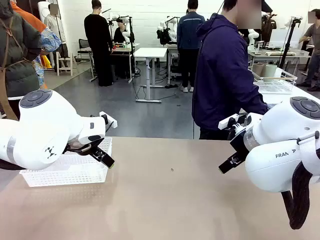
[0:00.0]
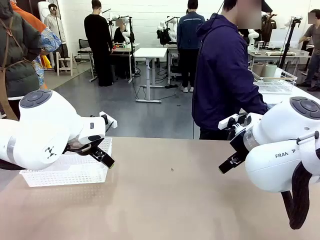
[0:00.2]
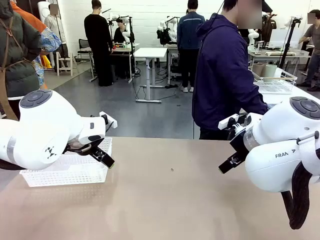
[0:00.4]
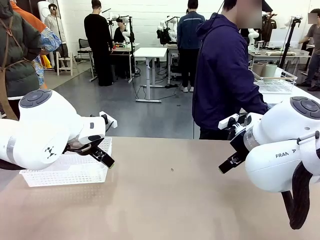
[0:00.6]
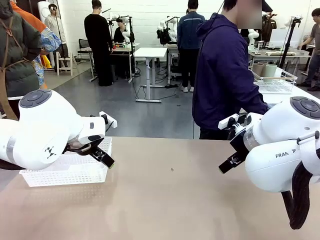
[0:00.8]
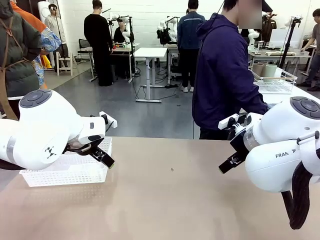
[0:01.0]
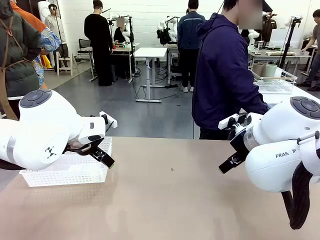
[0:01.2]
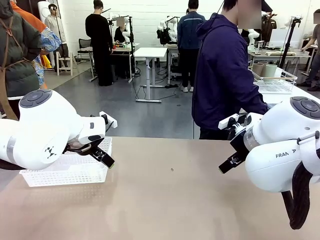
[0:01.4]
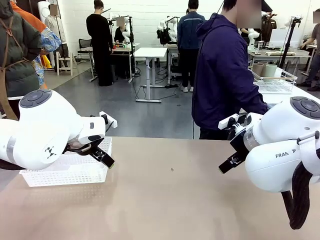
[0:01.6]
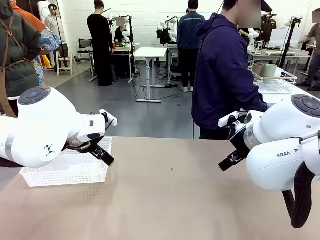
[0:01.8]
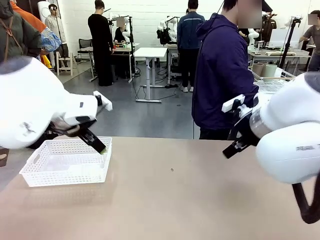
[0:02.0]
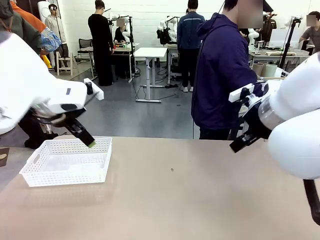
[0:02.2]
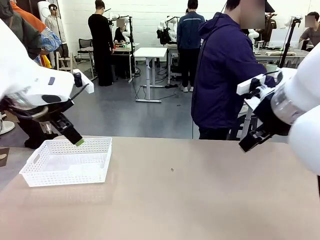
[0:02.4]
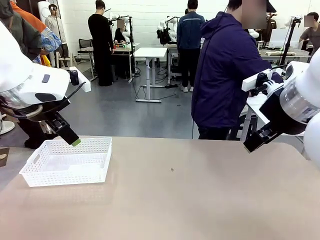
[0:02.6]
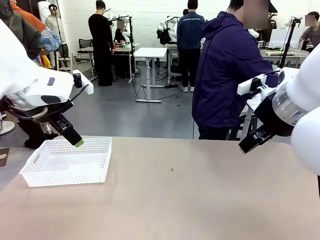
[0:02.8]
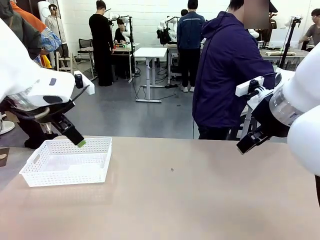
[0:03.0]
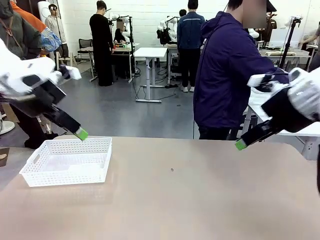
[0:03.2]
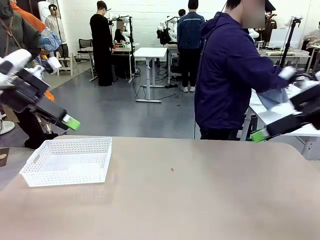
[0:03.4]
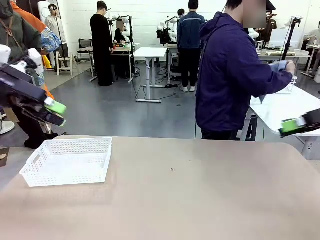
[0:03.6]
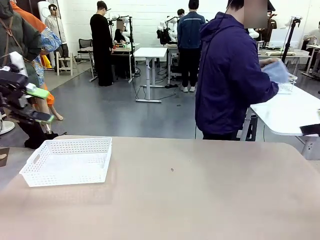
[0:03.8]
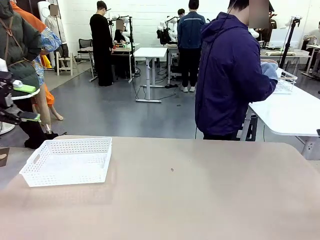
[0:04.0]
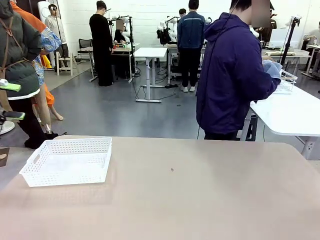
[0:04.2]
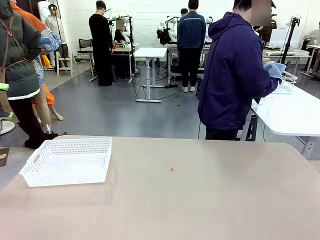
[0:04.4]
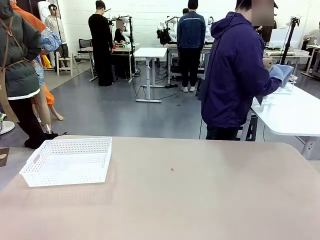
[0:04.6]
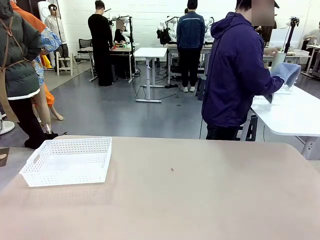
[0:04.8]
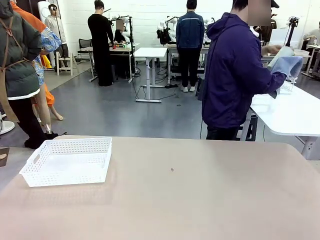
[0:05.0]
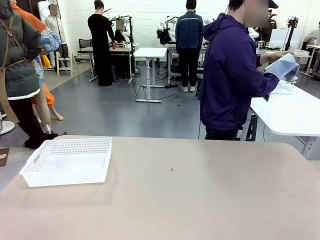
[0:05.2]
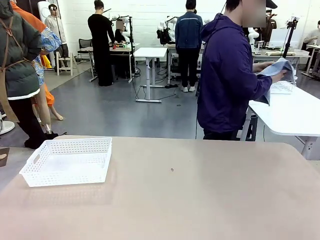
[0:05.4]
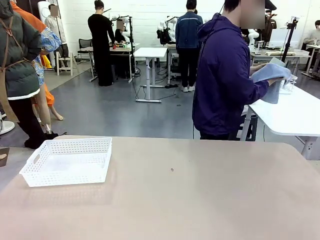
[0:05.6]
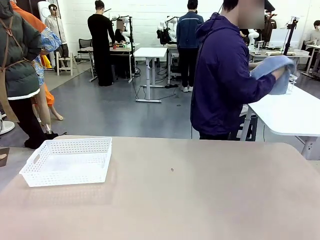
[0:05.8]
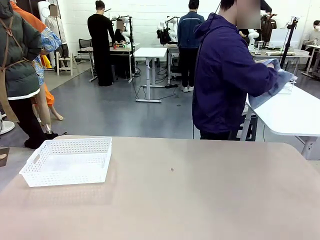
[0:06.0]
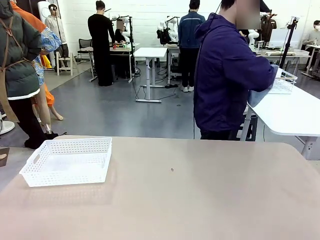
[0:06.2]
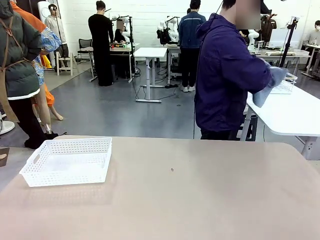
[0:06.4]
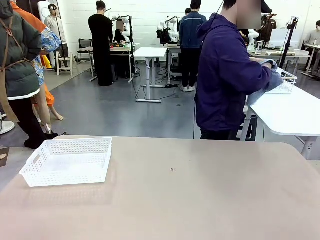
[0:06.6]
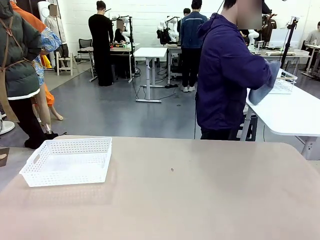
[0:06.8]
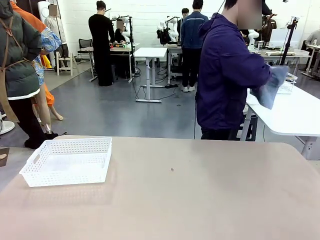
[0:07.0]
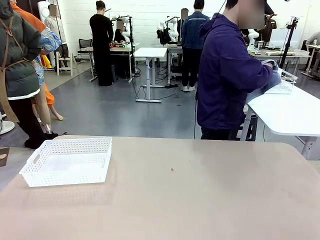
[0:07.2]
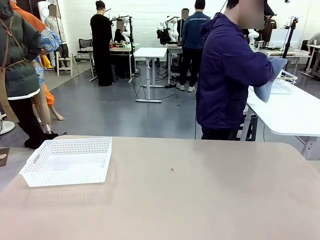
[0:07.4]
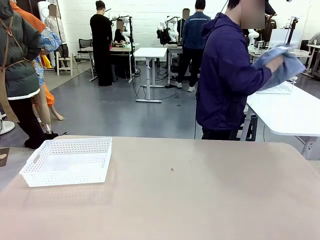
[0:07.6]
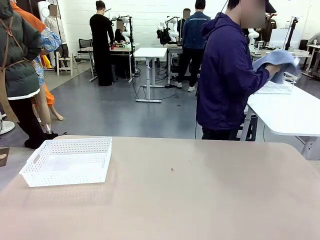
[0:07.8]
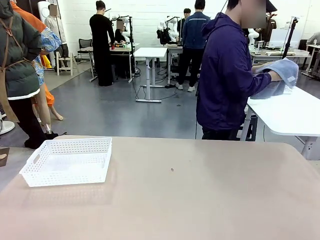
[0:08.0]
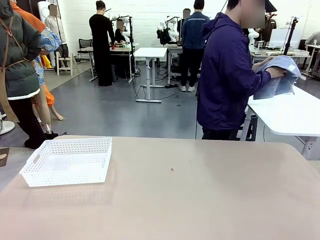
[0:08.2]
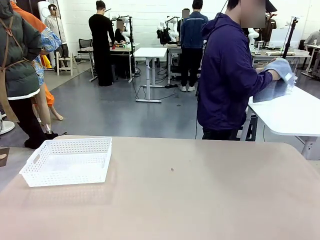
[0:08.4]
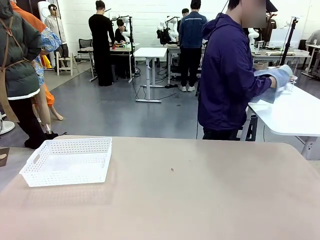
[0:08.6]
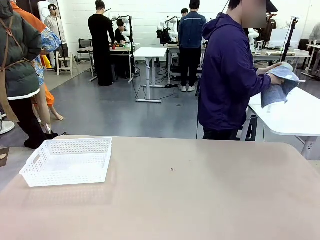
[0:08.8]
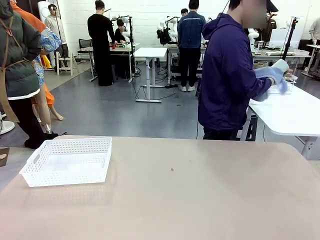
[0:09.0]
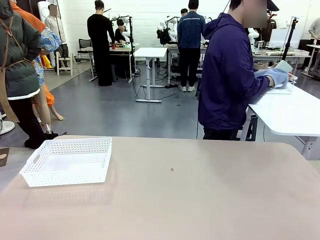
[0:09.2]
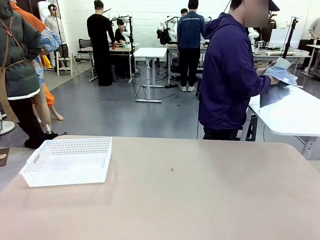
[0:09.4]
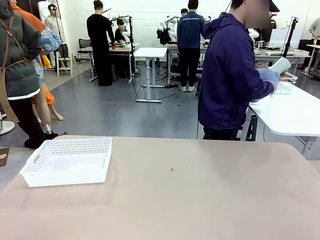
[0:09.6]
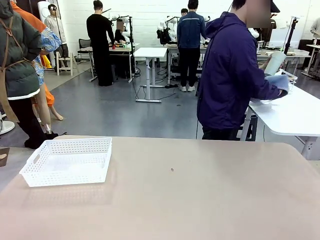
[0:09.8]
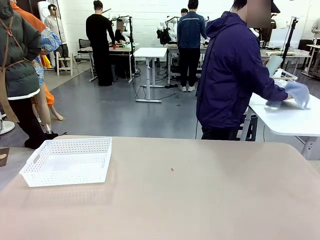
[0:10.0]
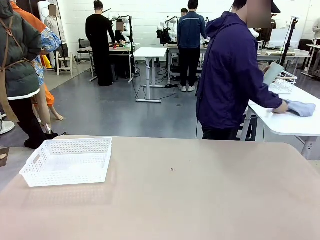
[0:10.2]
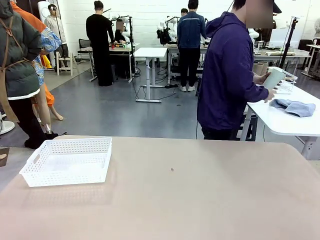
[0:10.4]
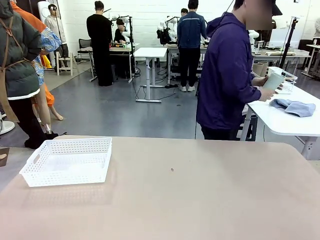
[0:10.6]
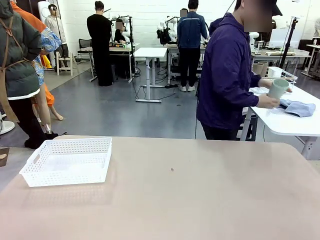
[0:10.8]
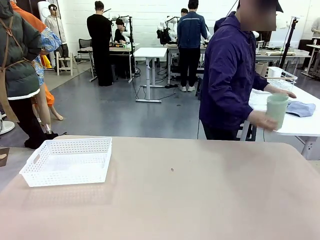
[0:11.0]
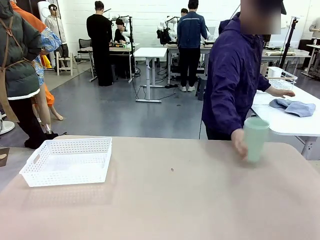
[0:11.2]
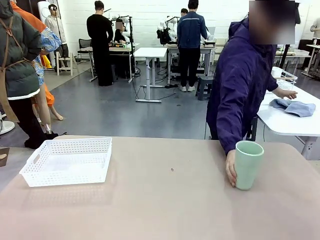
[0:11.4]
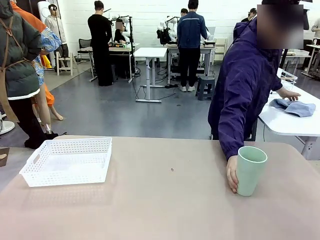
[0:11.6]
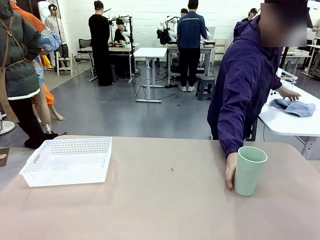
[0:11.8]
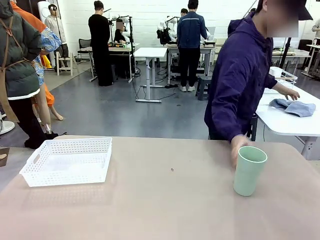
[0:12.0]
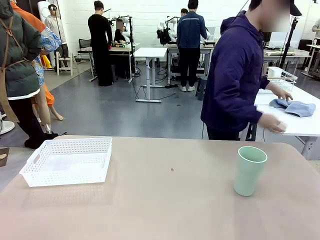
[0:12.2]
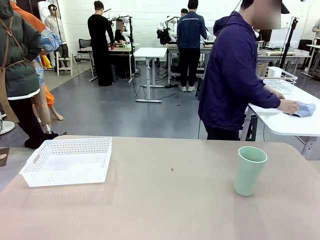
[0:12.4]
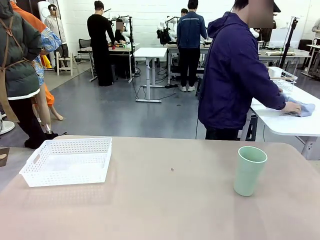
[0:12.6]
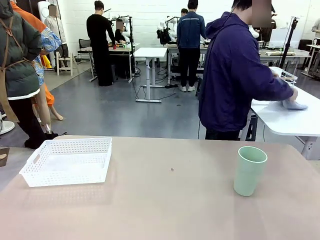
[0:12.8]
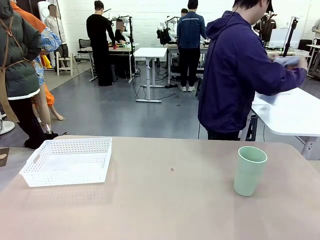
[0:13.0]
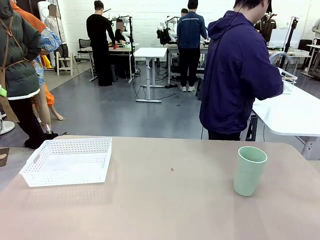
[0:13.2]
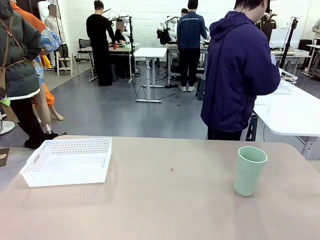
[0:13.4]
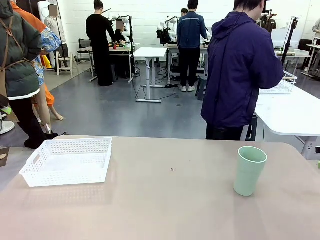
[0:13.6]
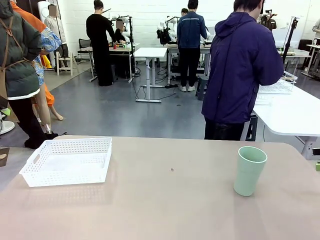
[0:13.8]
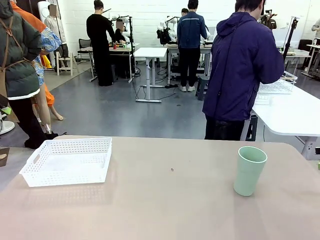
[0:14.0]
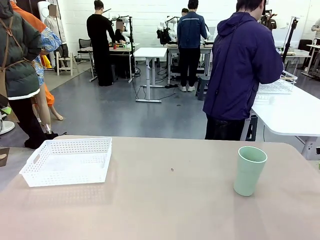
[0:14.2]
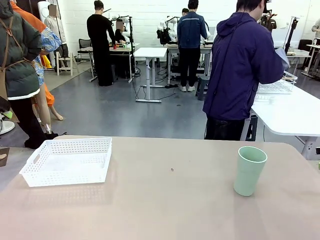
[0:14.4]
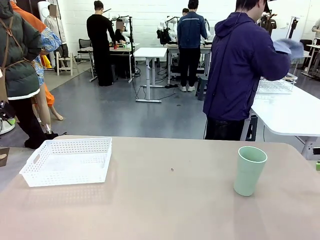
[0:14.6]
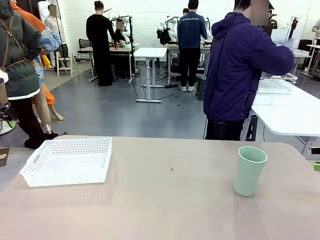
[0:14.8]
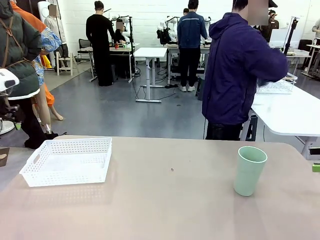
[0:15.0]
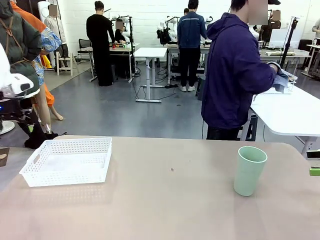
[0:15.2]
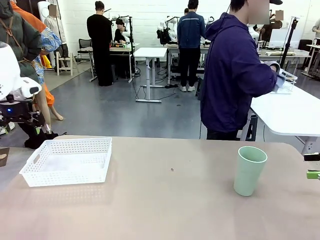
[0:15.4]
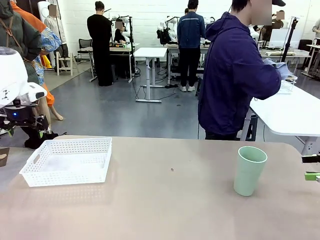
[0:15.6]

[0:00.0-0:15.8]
Task: Clean and organize the cups into the basket.
Robot: Pick up the Organizing basket and move it to the center of the table, then pick up the Reusable plastic cup from the right side of the table and place it inside the Organizing basket.
Person: Picks up a cup and a towel, cleans the cup with the towel, and places it on the left side of the robot table.
